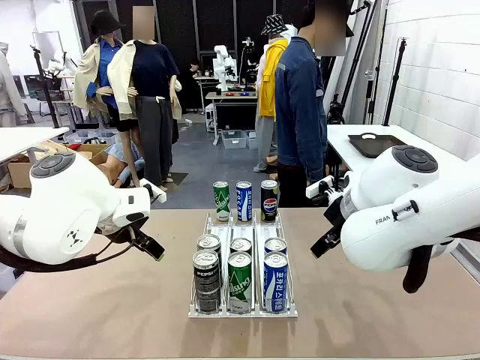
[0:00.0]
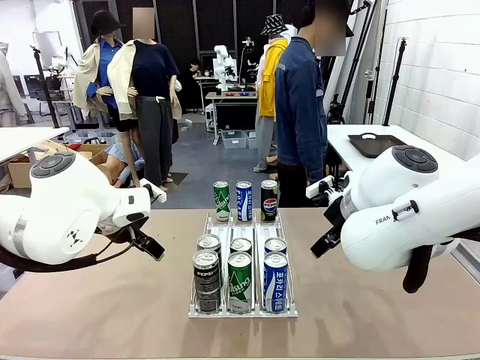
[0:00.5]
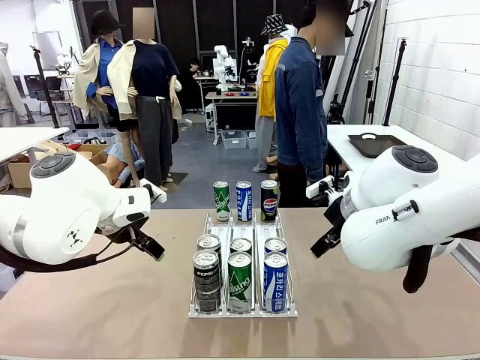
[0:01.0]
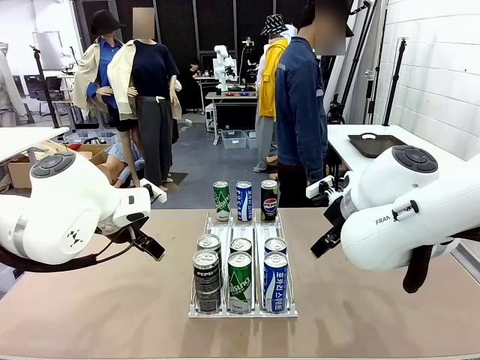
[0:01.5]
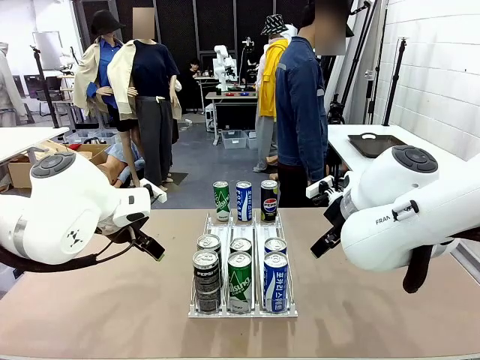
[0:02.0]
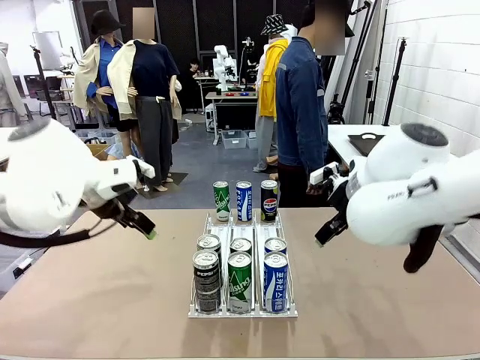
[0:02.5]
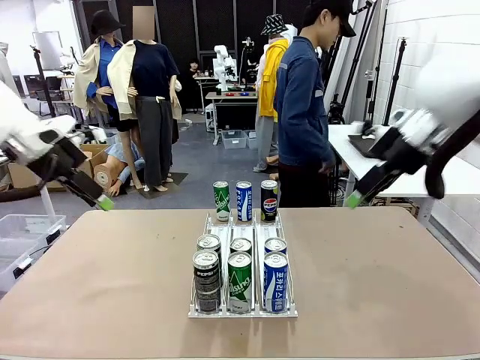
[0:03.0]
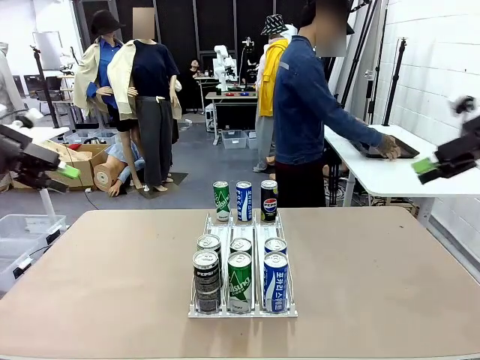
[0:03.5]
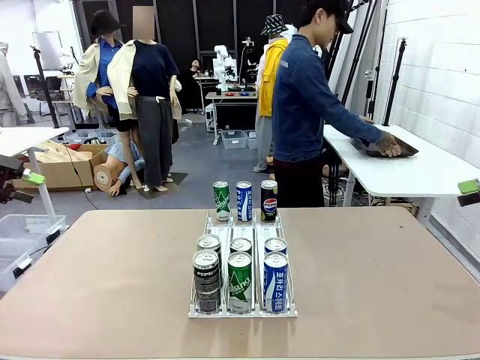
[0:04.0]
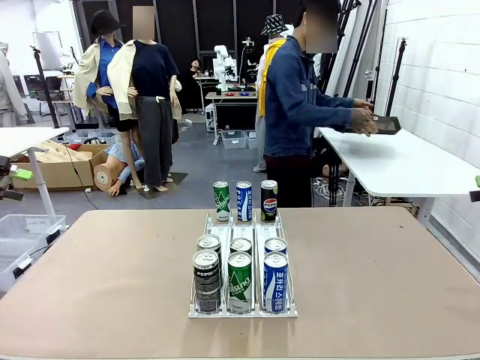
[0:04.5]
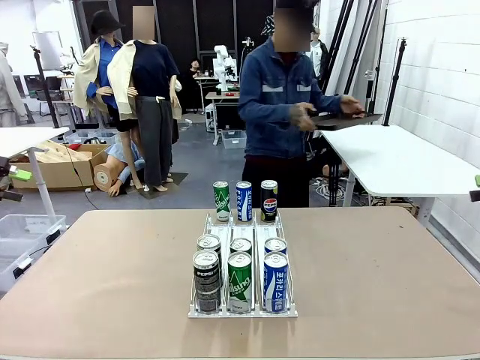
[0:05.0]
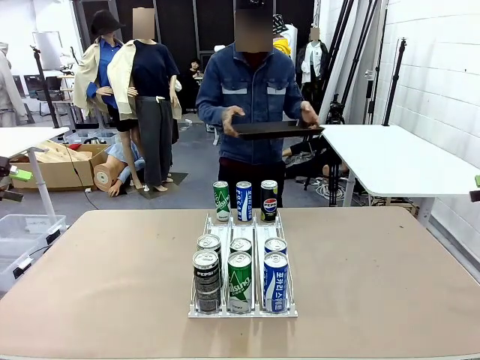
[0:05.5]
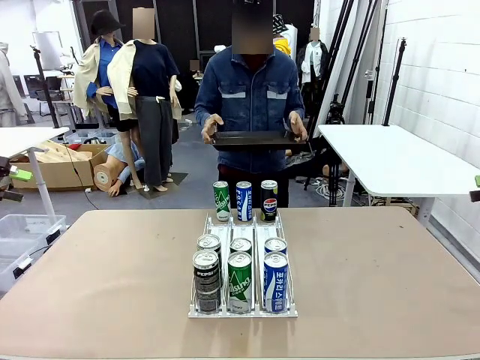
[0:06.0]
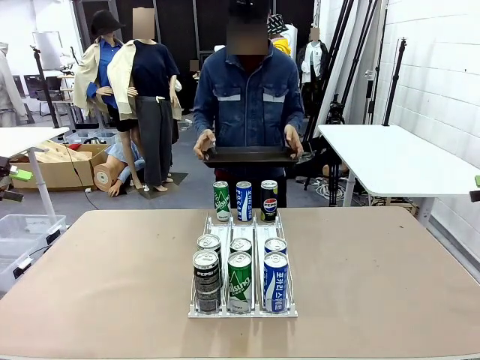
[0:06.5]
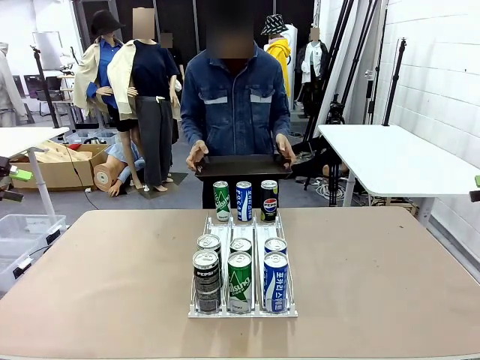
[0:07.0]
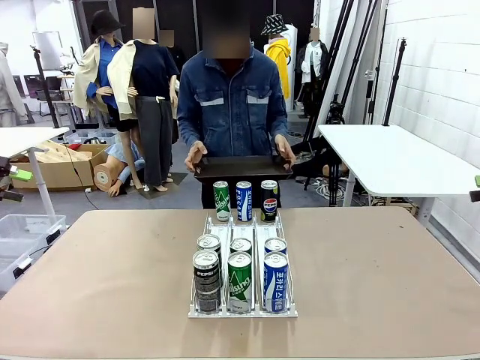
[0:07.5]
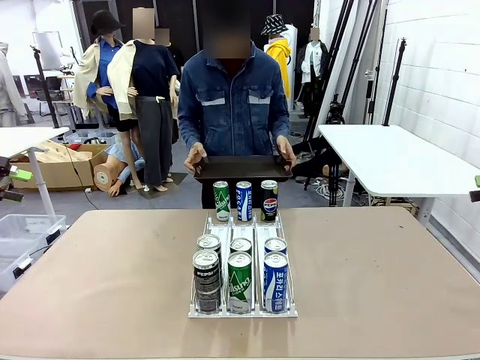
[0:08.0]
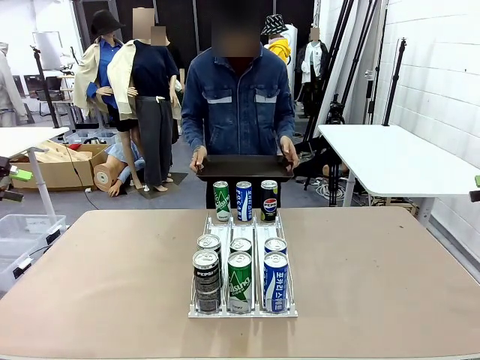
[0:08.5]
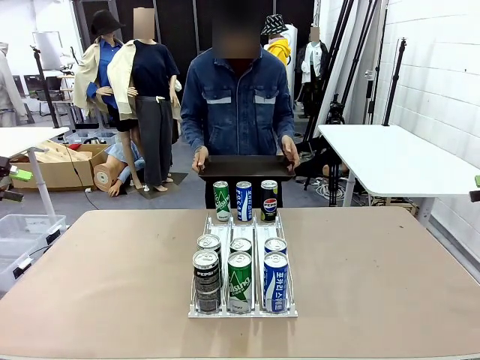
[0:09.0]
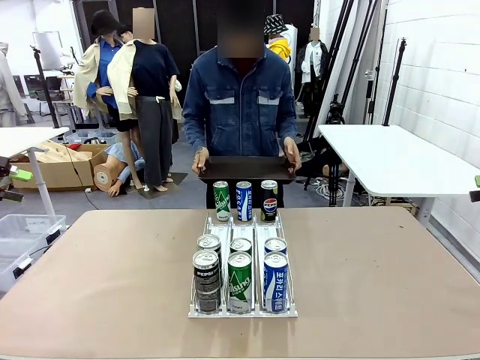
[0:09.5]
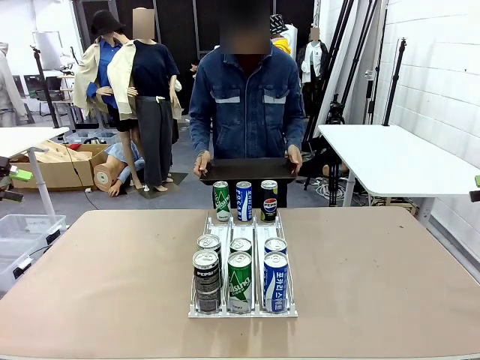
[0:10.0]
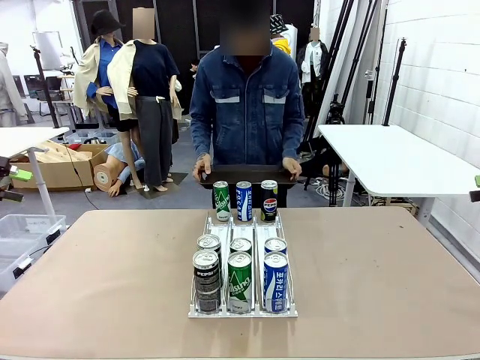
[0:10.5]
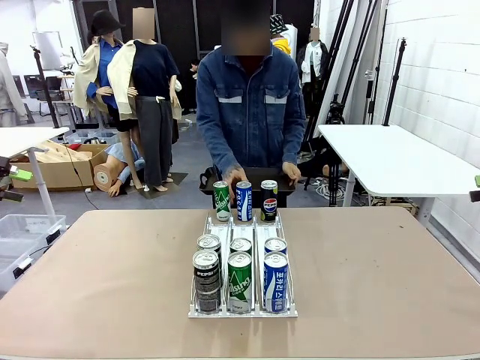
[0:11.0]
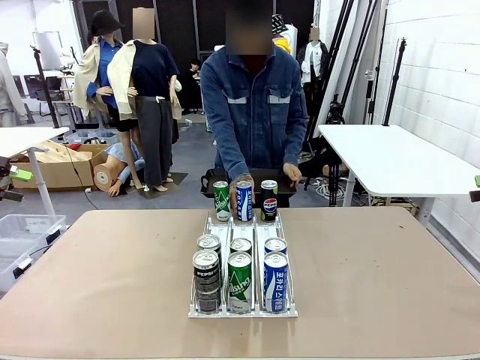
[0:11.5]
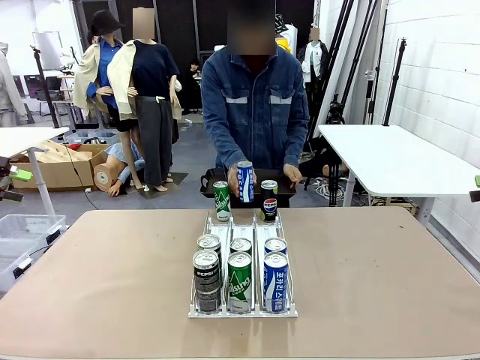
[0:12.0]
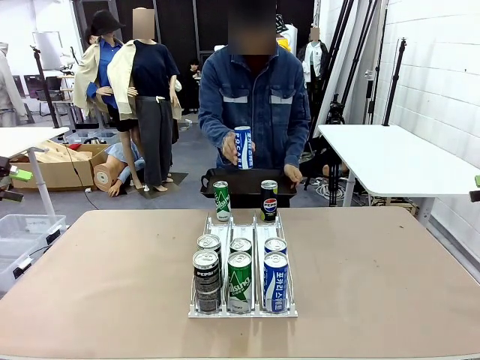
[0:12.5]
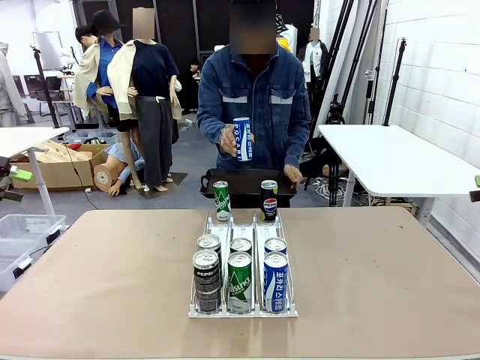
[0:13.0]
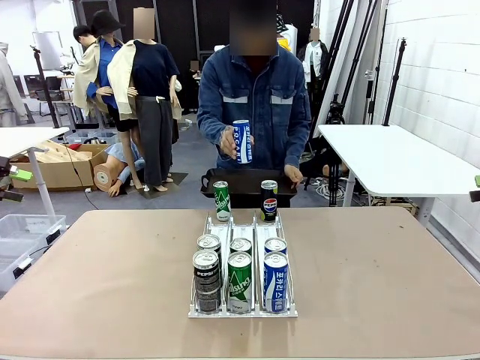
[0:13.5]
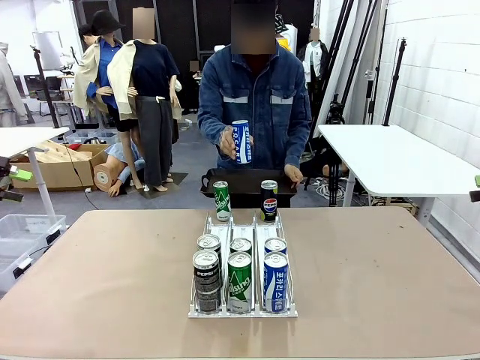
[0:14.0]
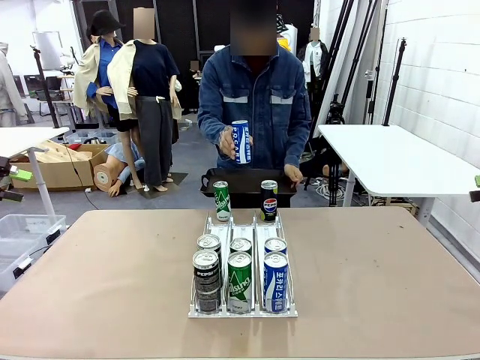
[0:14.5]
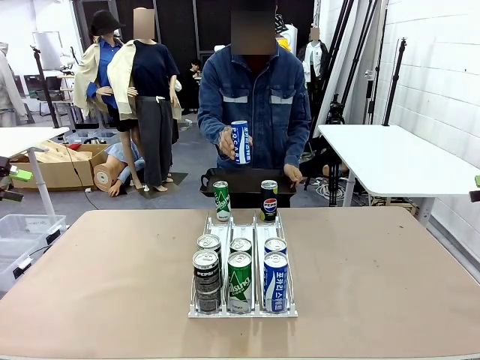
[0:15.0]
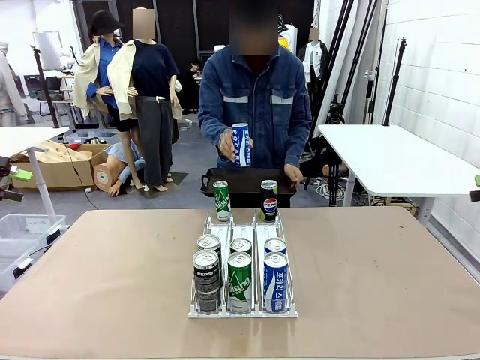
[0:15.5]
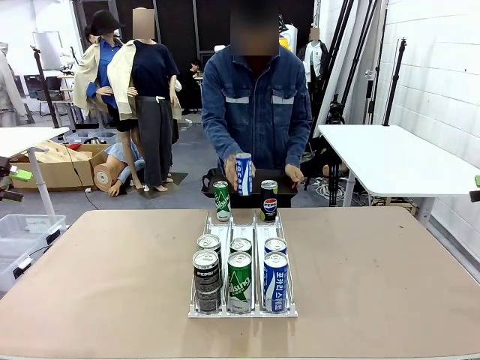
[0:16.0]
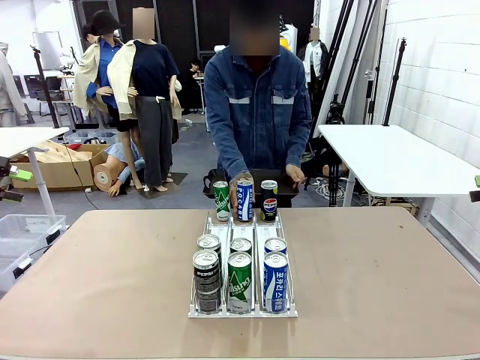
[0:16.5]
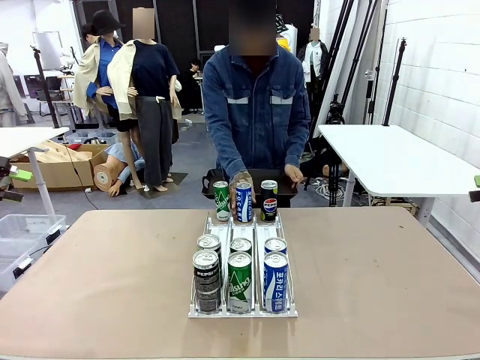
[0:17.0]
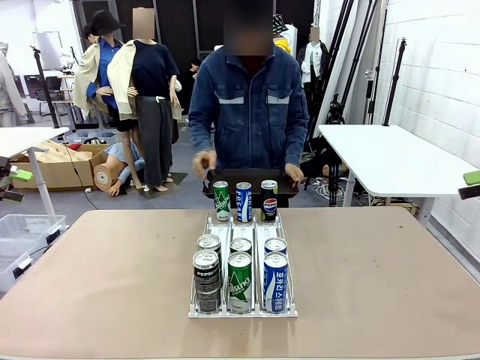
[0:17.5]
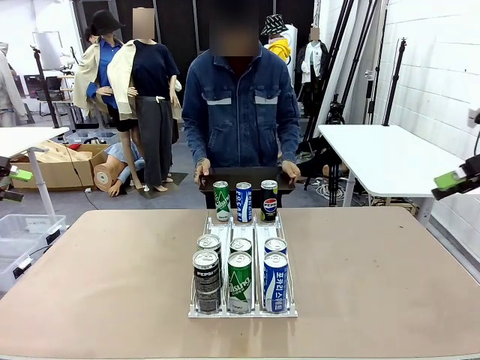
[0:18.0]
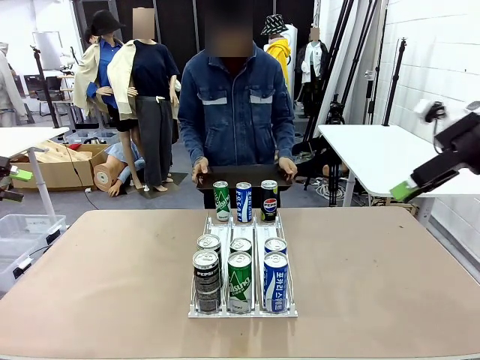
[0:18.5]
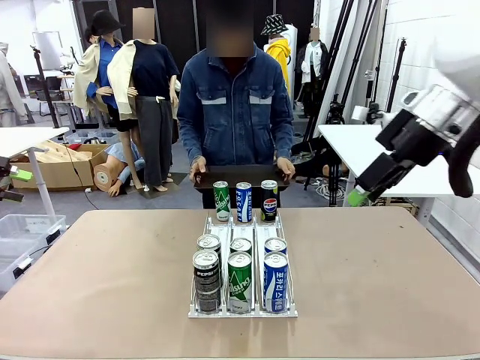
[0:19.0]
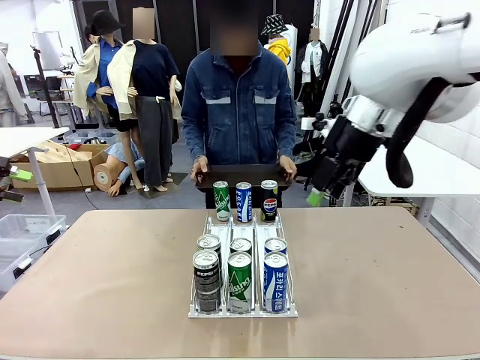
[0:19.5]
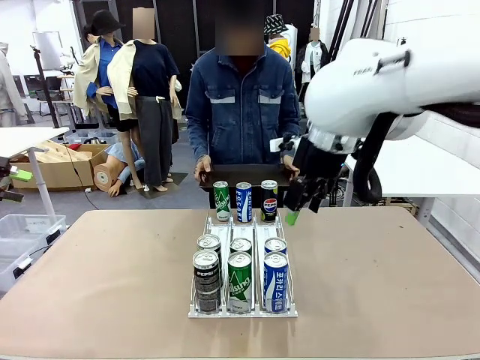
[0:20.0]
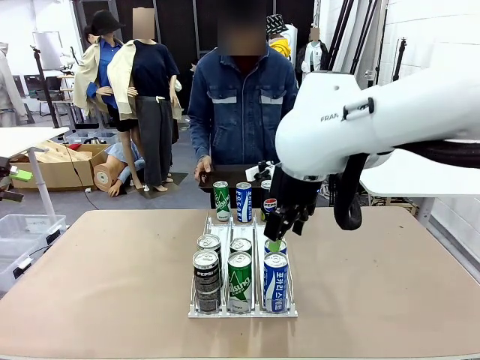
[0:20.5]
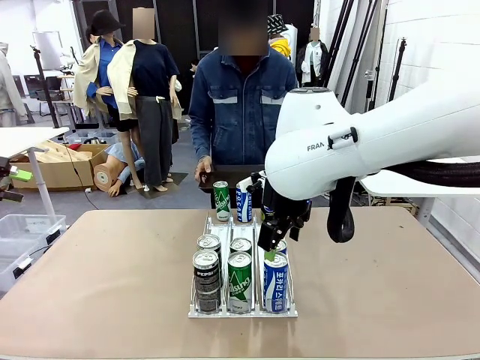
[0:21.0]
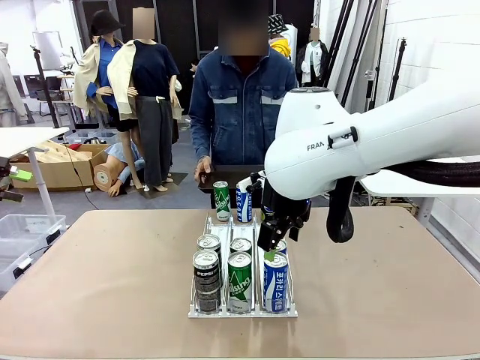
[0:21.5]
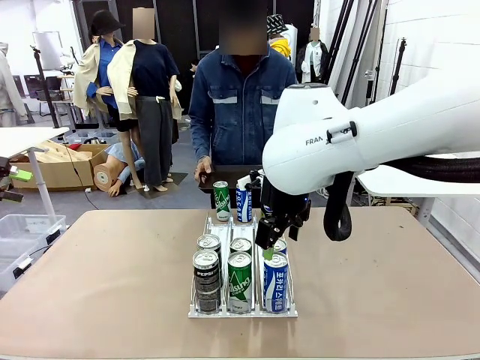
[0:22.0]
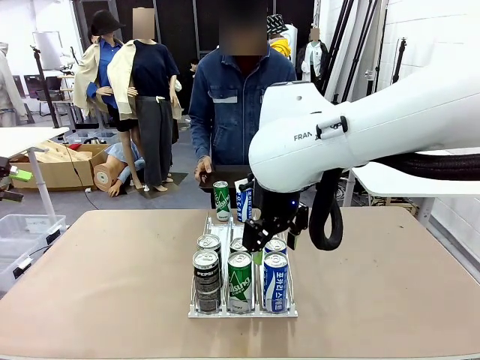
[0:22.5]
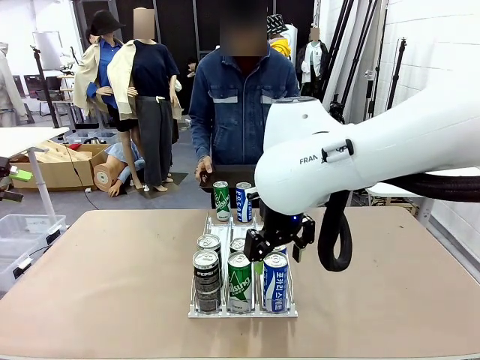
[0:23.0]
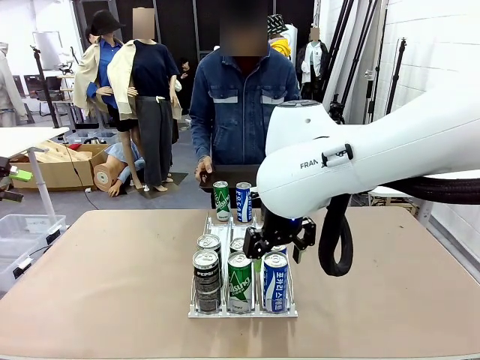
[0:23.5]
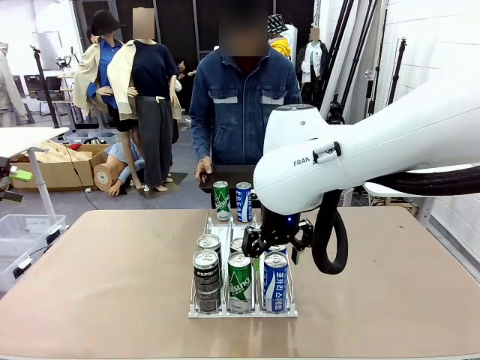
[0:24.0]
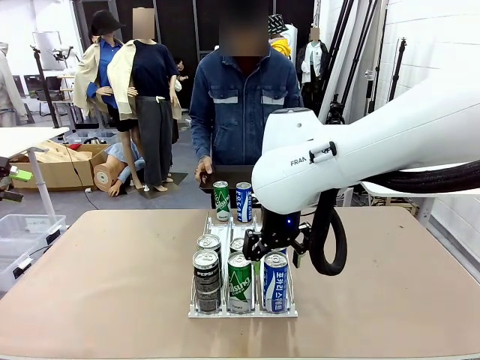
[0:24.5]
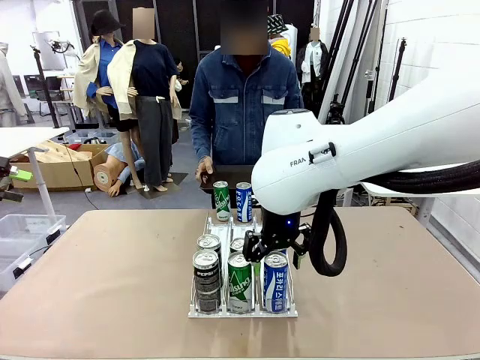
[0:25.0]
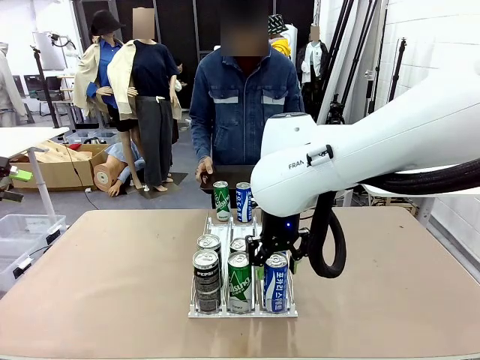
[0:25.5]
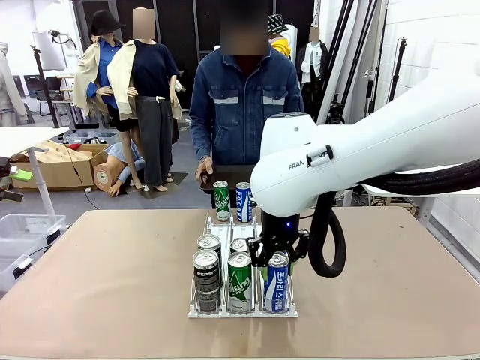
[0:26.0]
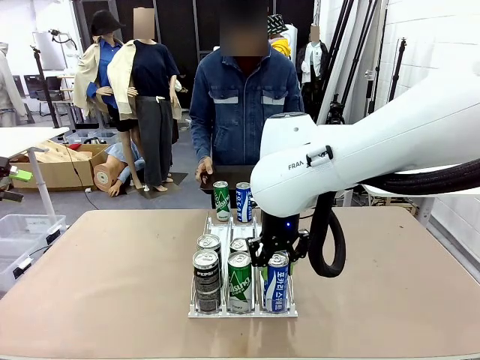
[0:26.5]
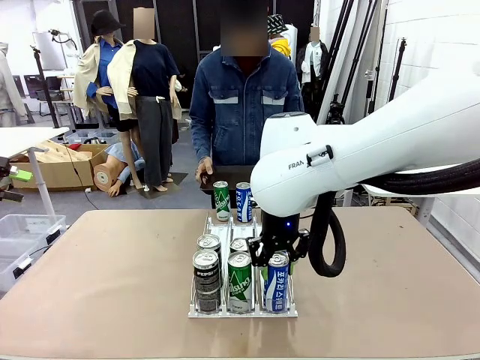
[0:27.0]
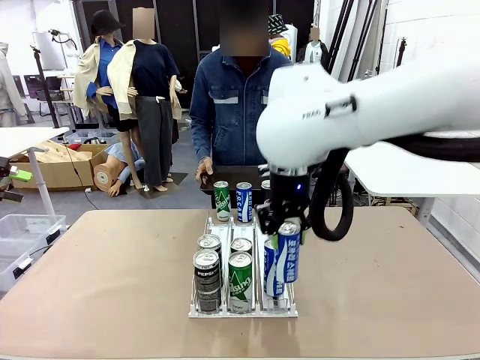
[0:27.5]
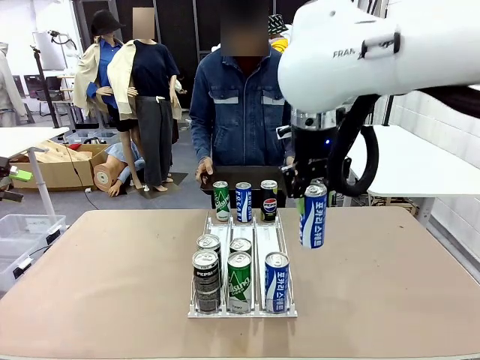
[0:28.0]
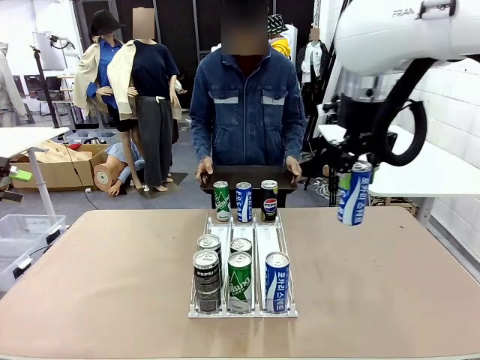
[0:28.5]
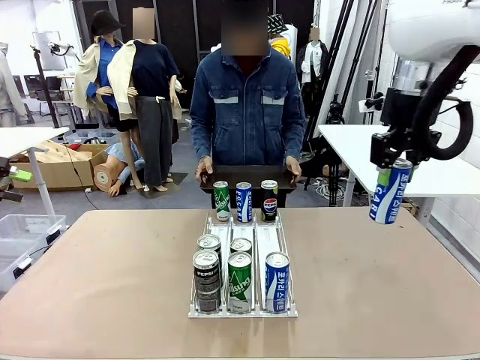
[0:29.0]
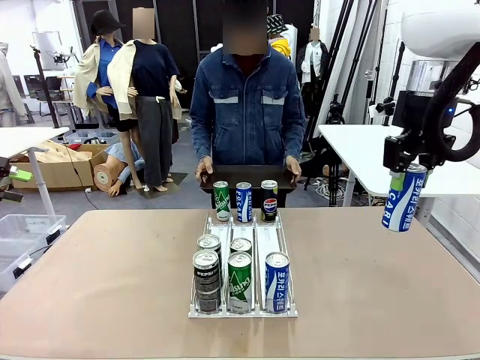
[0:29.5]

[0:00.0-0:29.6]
Task: Retrieve and hand over the desired beverage to the person.
Robot: Pick up a can of the same type that the person held from the Automatic Can Dispenser.
Person: Hold the tray and position yourself in front of the robot table. Pick up one can from the bottom area of the table and puts it back in its original place. Push the tray toward the robot.
